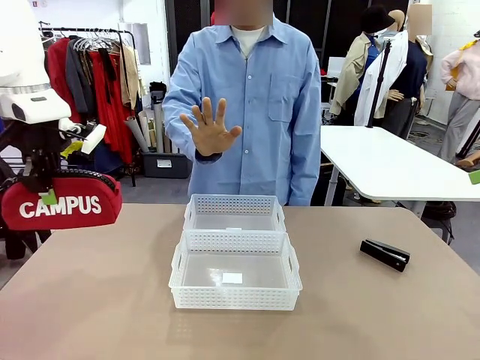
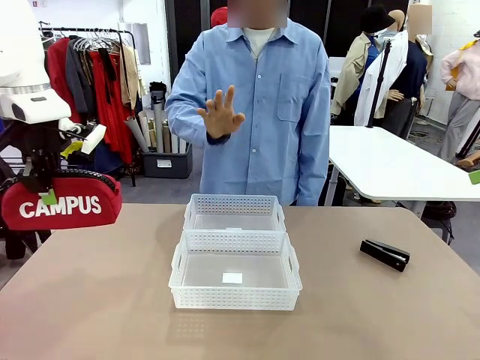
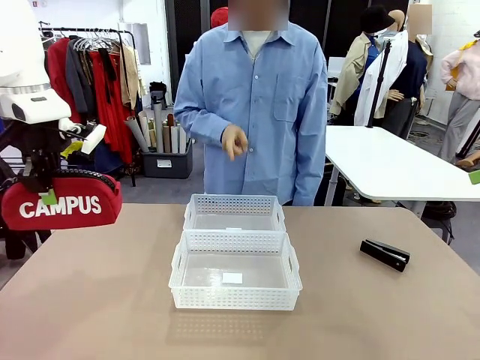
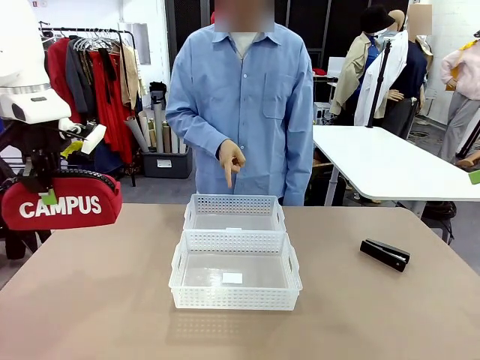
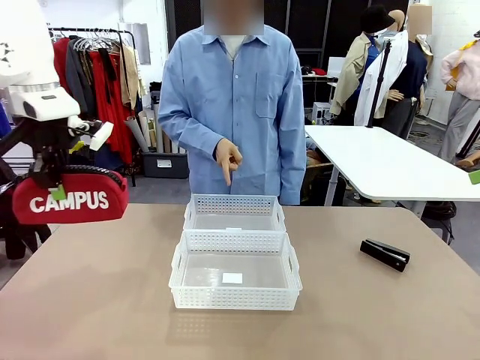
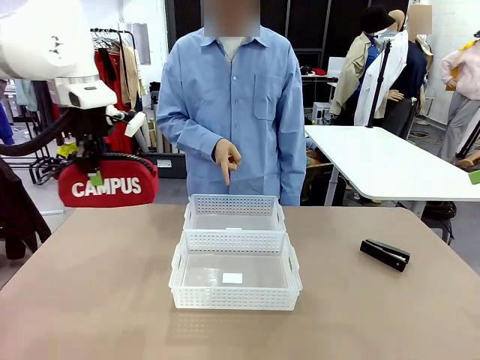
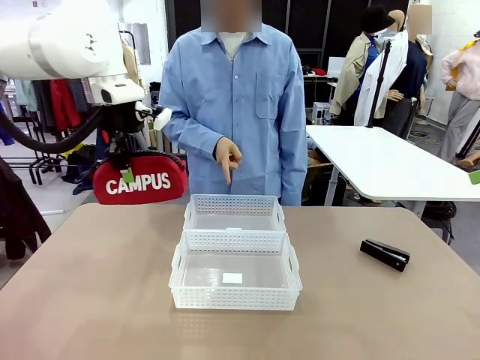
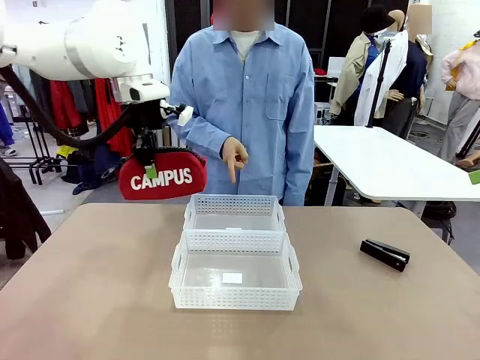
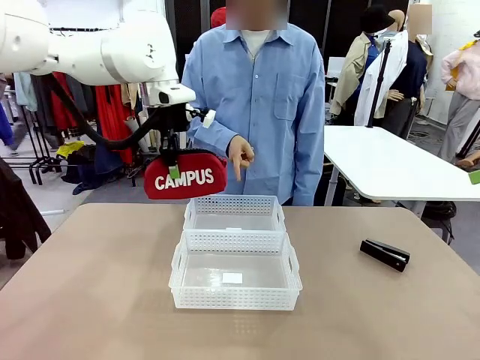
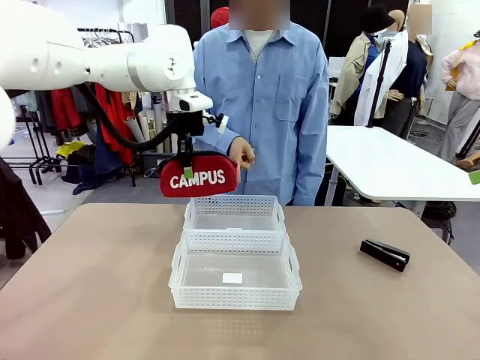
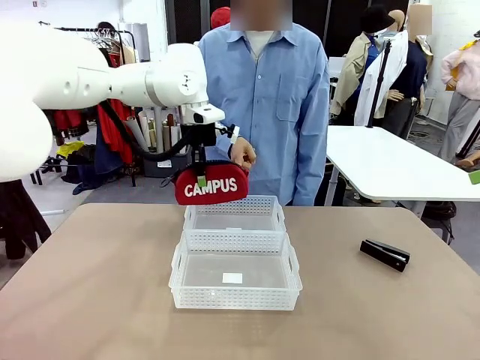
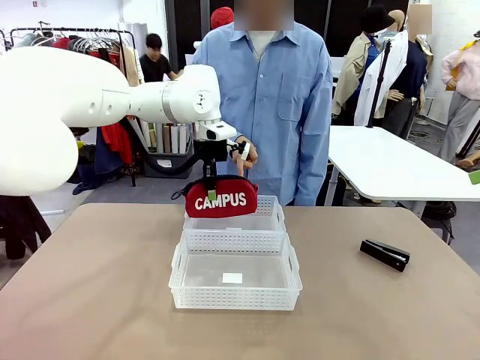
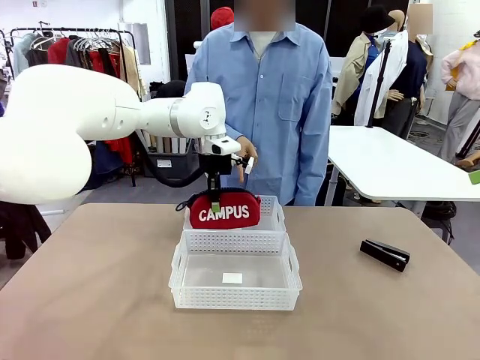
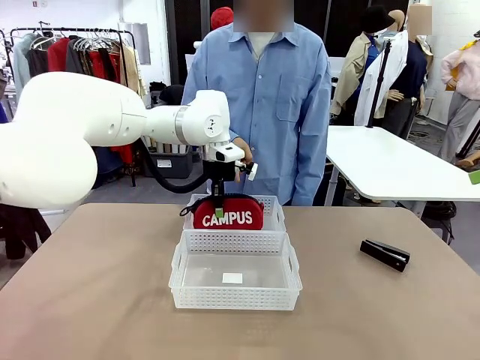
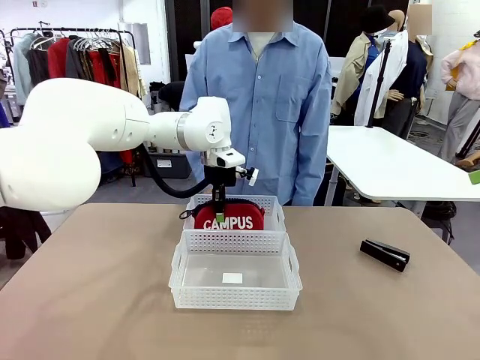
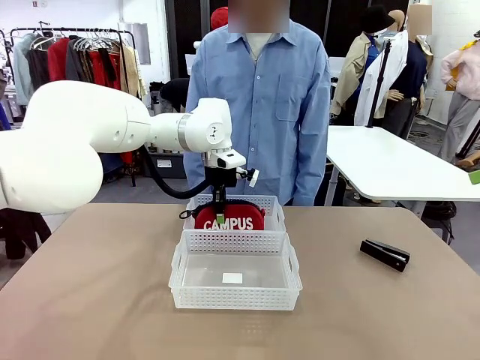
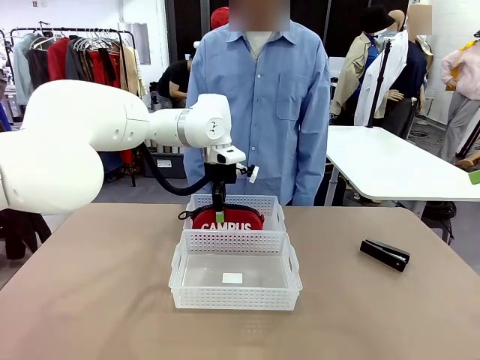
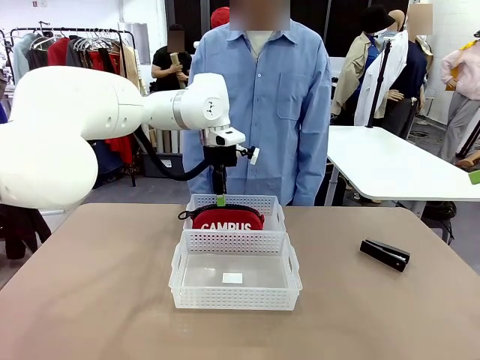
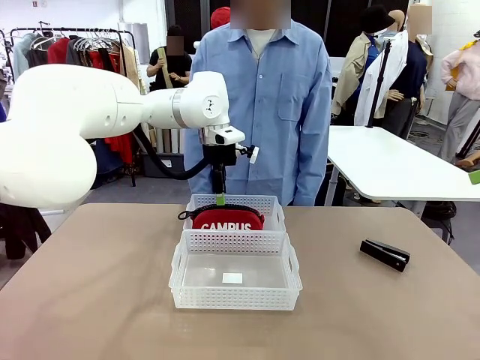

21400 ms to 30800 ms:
Task: Distribute items into two baskets.
Robot: Place the picked Pencil pouch into the Organizing basket as instructed by the person.
Person: Instructs the robot to place the pencil case into the opposite basket. Points to the stapler.

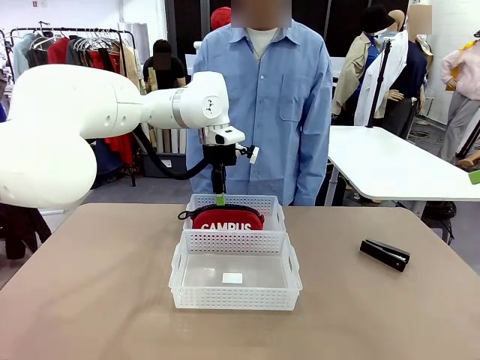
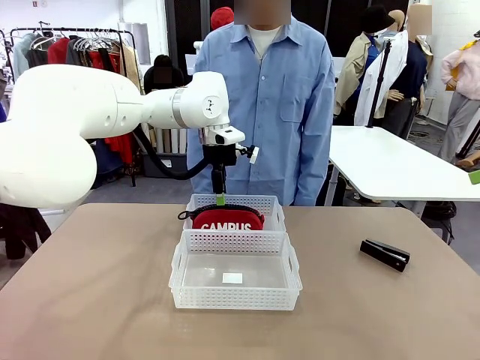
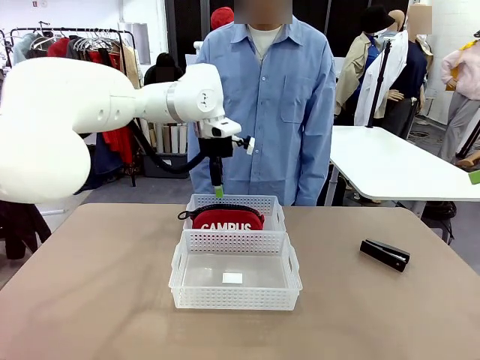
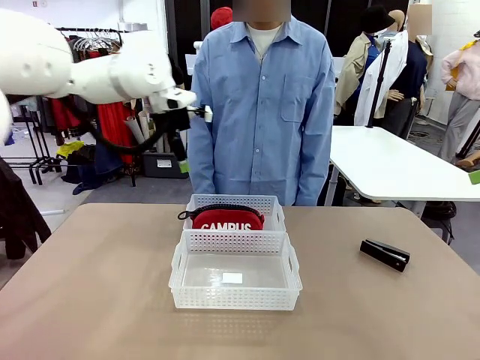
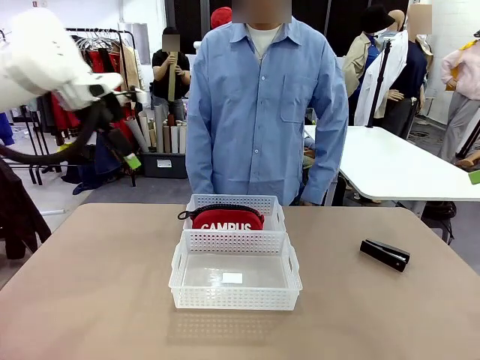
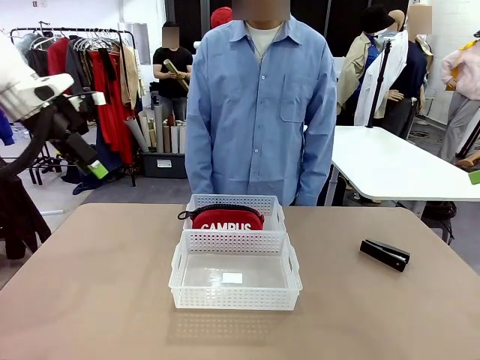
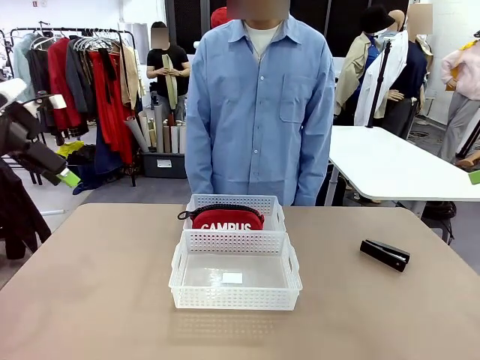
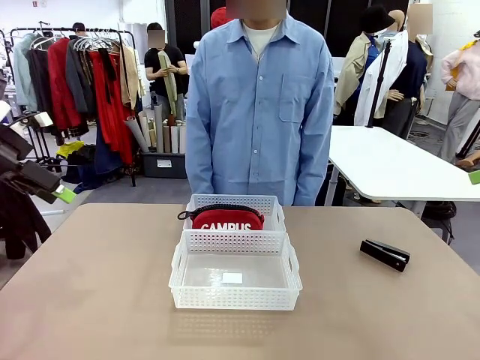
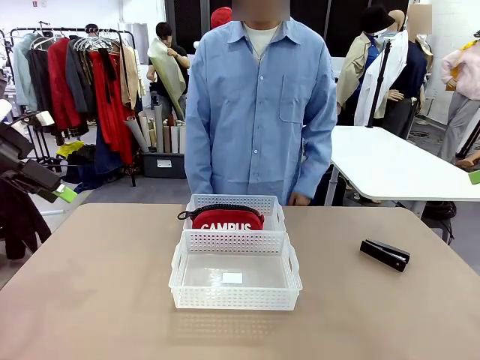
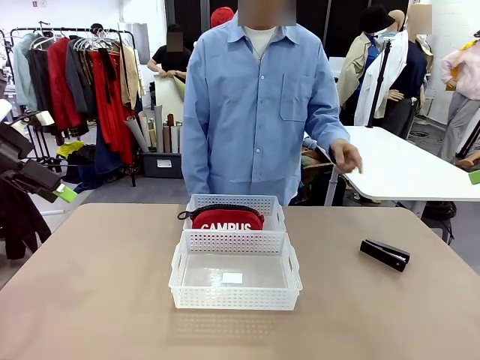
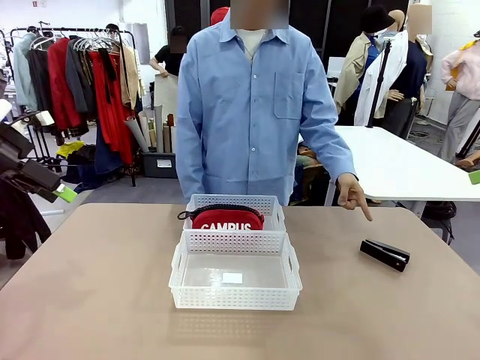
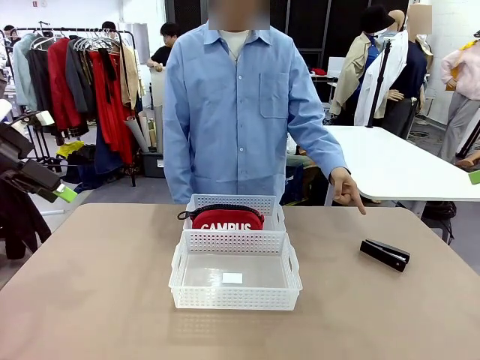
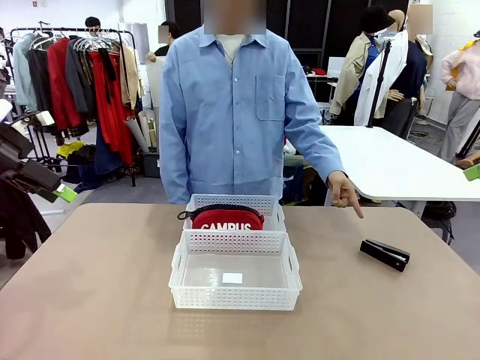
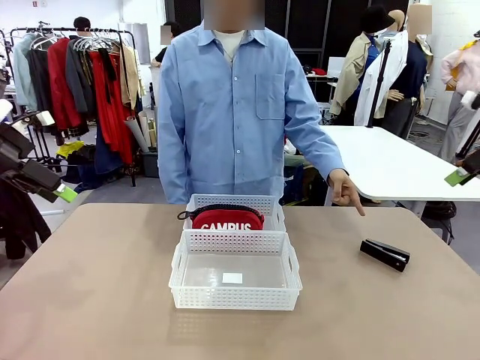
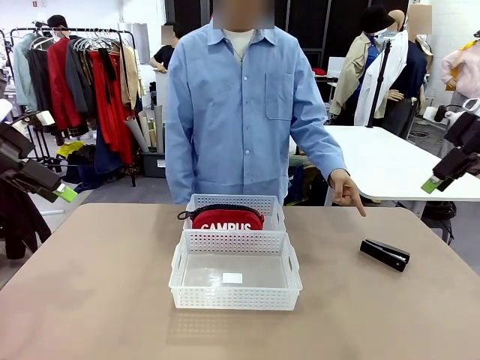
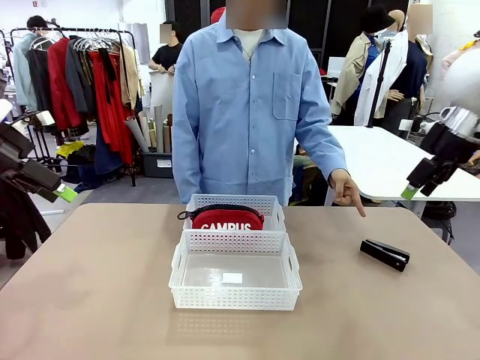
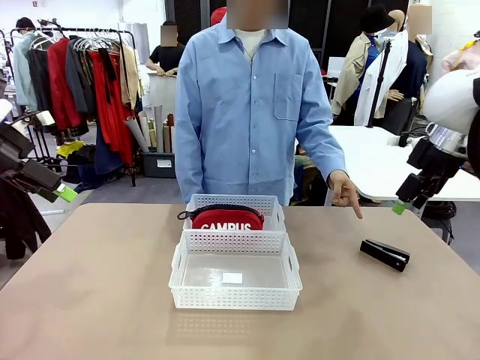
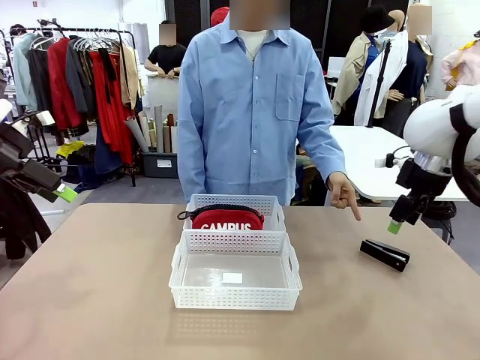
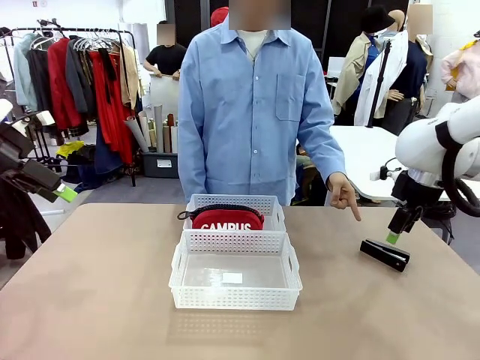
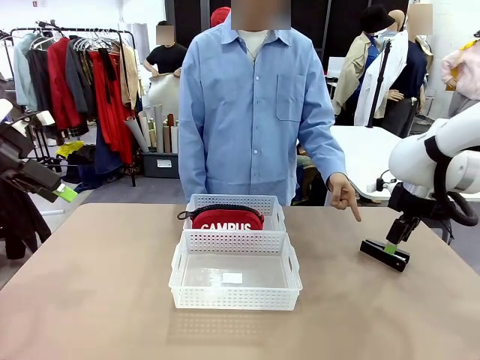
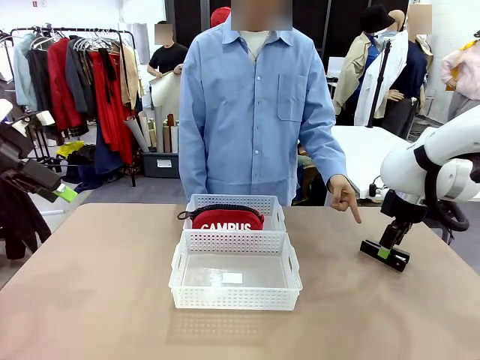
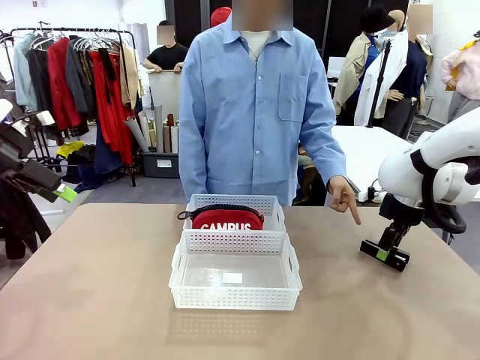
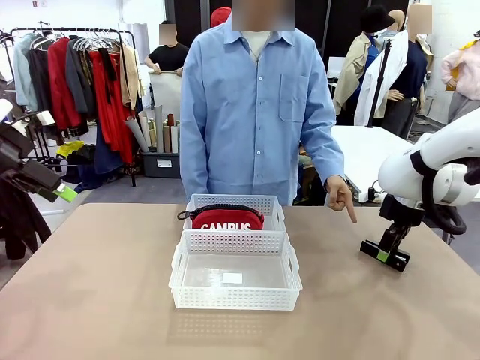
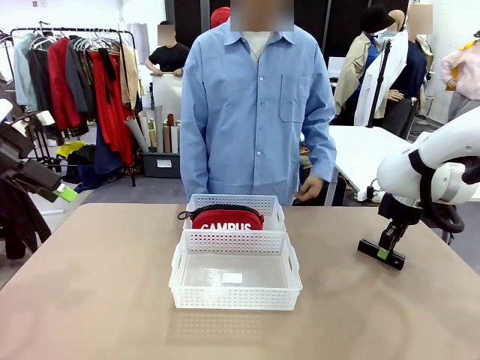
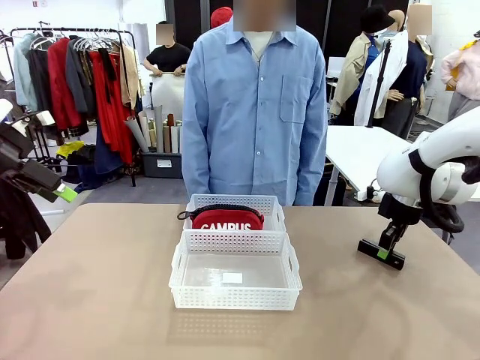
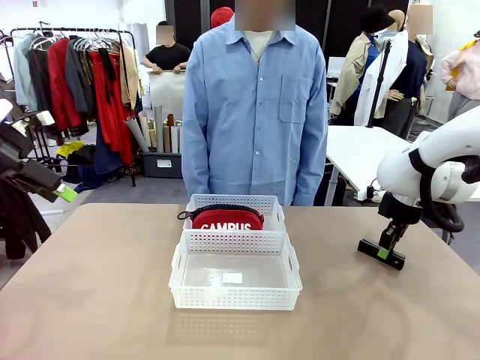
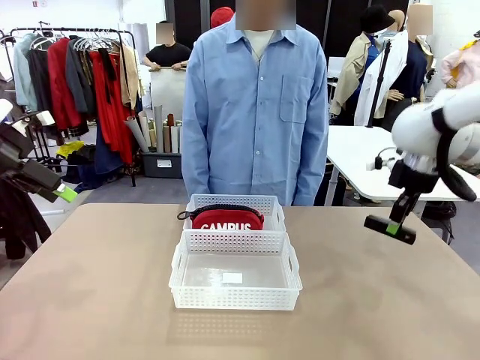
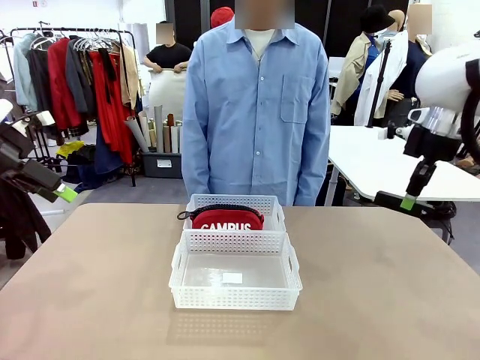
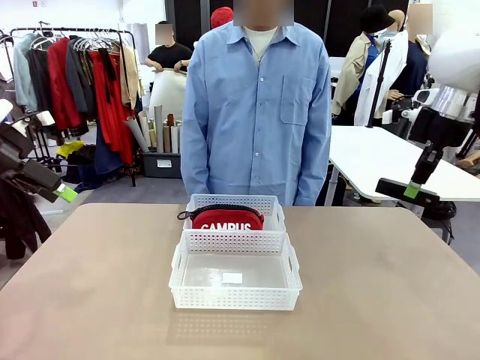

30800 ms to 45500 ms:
Robot: Pick up the Stapler that the person points to.

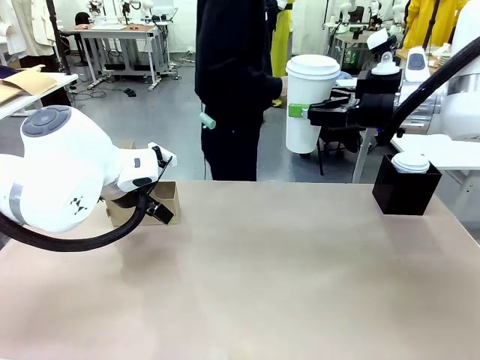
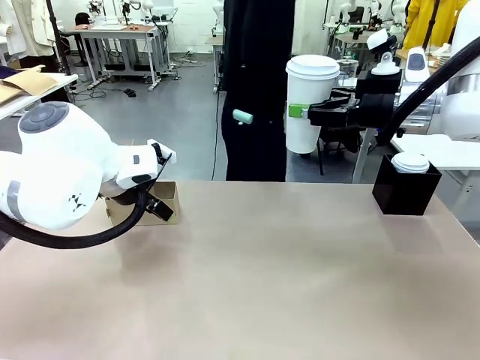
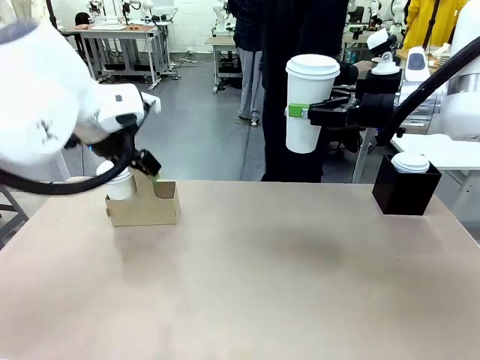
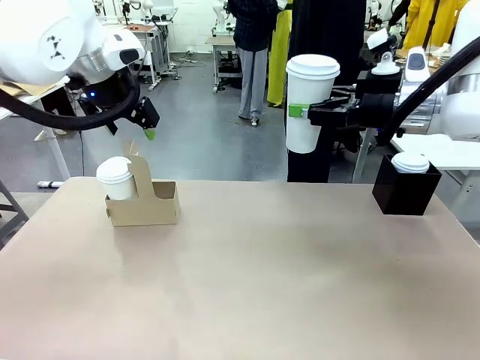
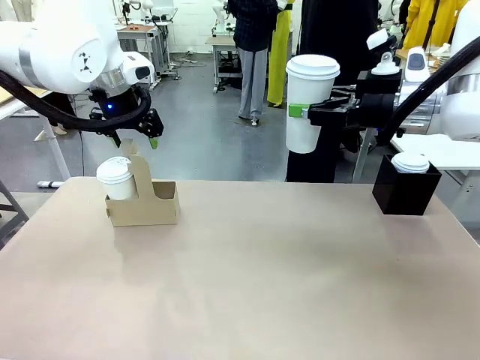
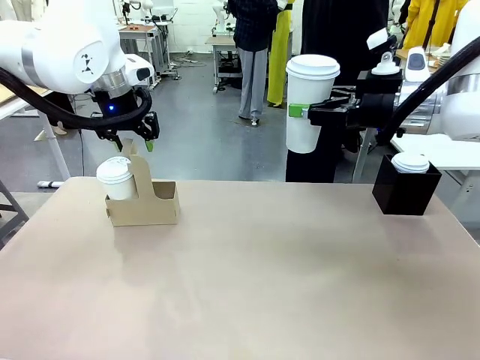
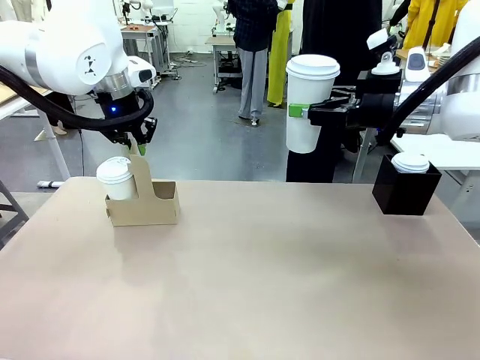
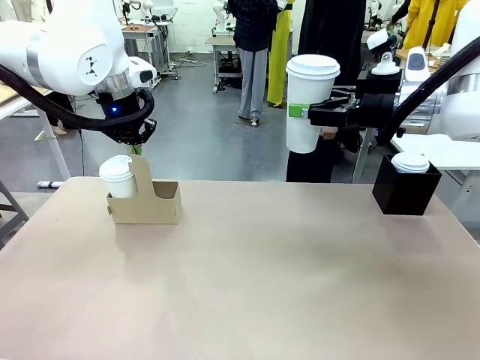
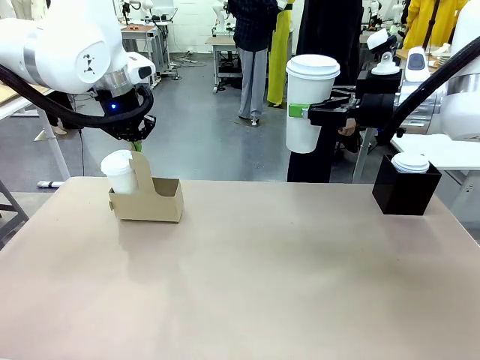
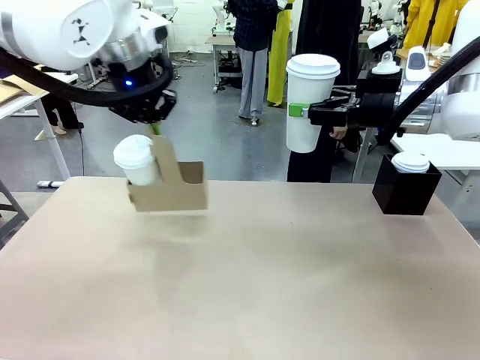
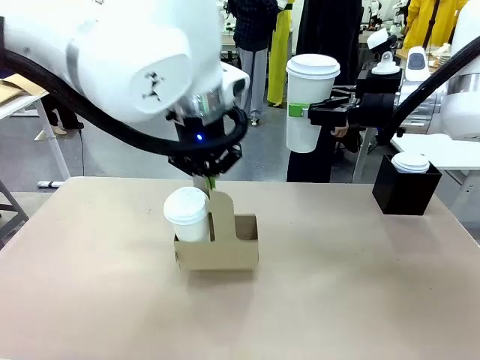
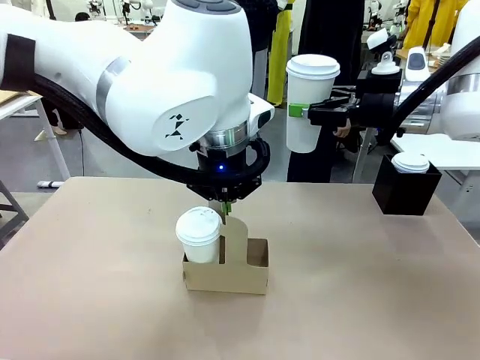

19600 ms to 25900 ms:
Task: Pour a drink into a cup and package it in a carrier.
Robot: Position the Cup Carrier in the center of the table.
